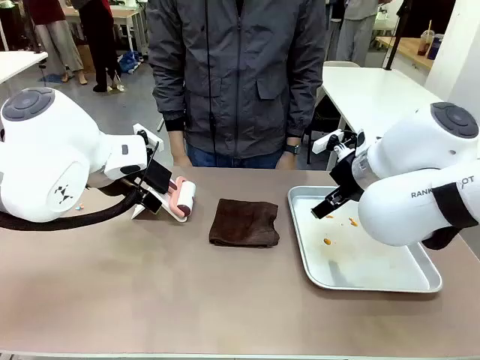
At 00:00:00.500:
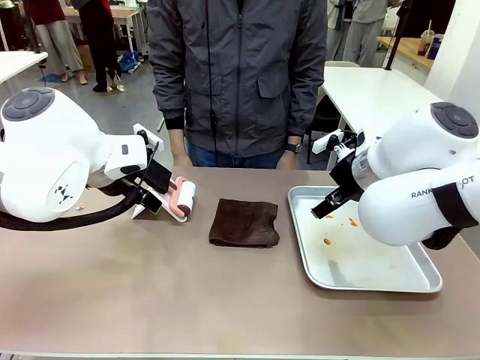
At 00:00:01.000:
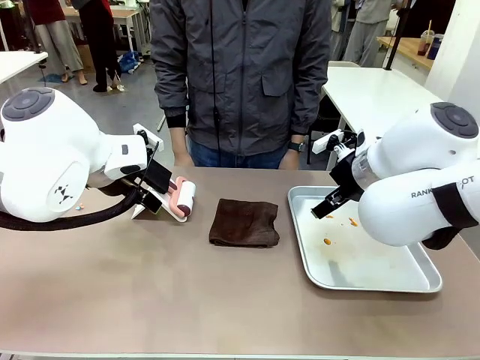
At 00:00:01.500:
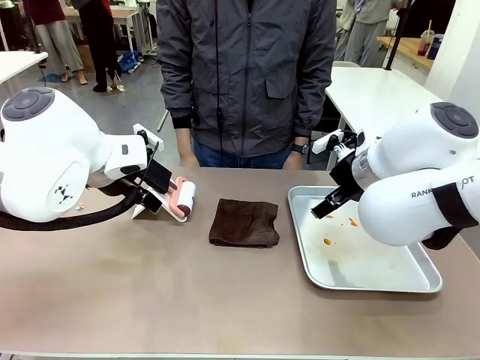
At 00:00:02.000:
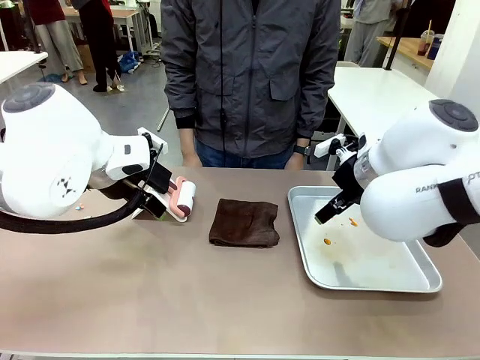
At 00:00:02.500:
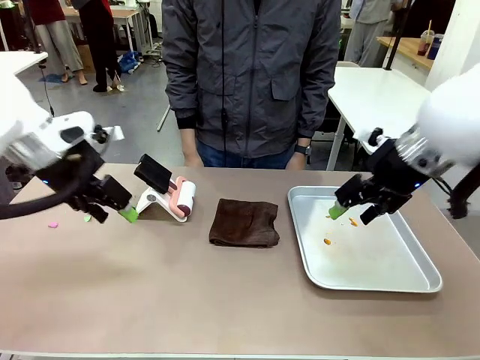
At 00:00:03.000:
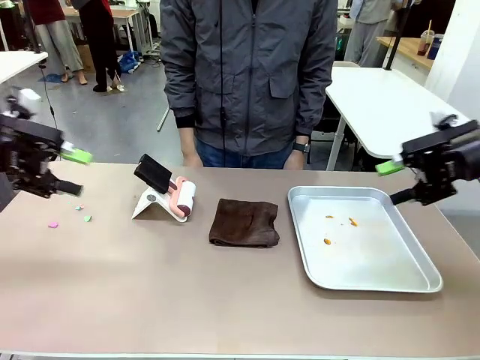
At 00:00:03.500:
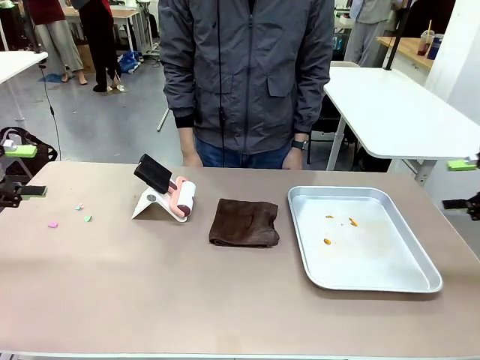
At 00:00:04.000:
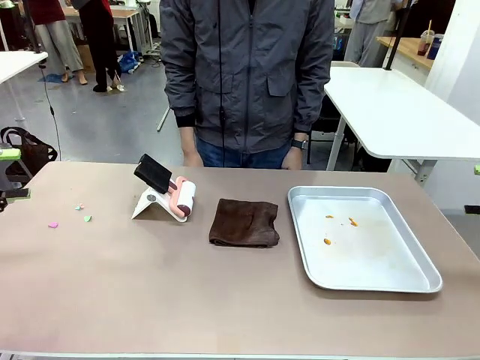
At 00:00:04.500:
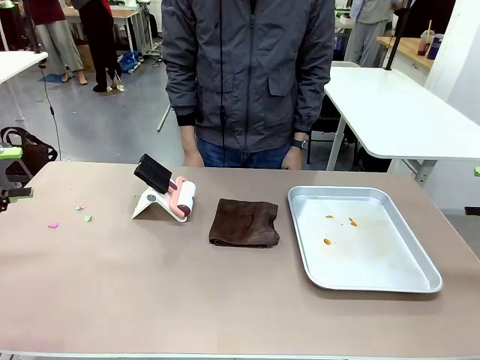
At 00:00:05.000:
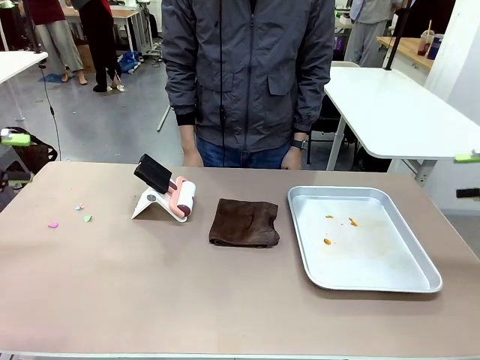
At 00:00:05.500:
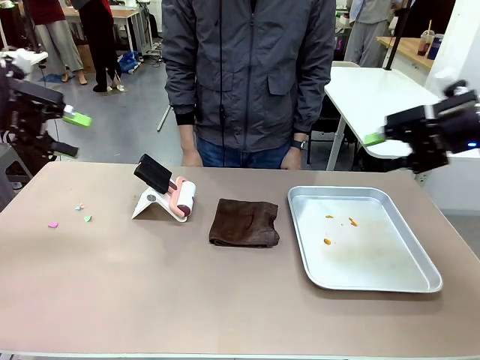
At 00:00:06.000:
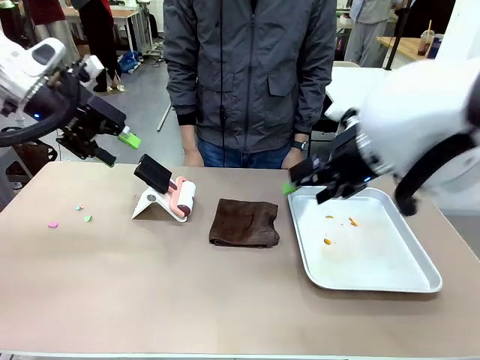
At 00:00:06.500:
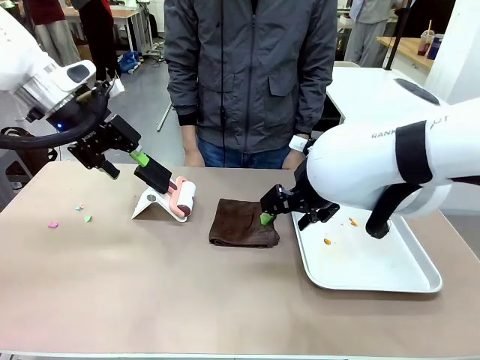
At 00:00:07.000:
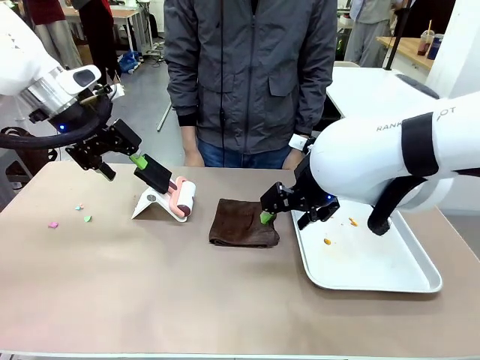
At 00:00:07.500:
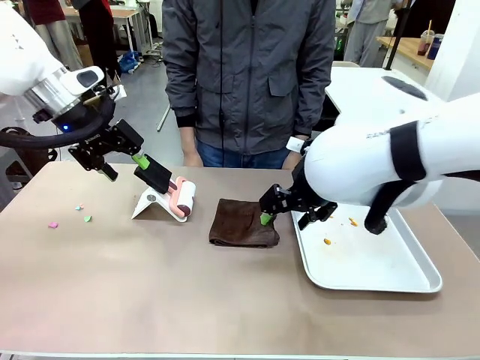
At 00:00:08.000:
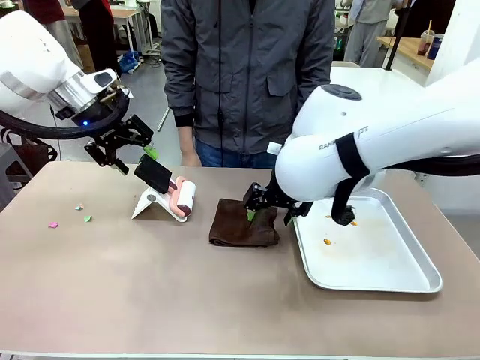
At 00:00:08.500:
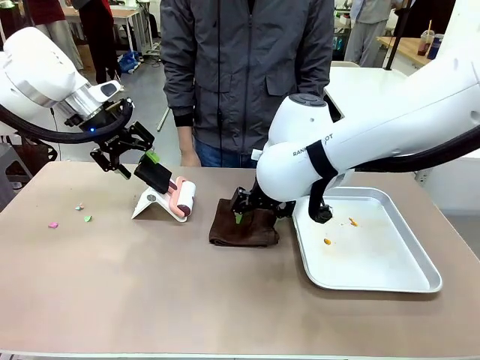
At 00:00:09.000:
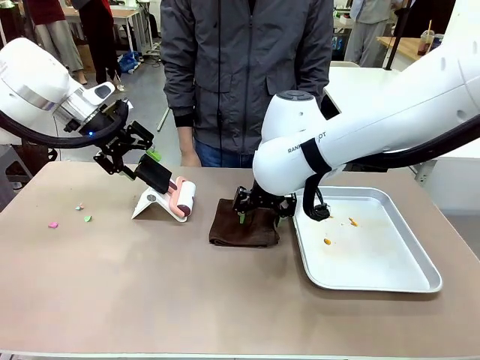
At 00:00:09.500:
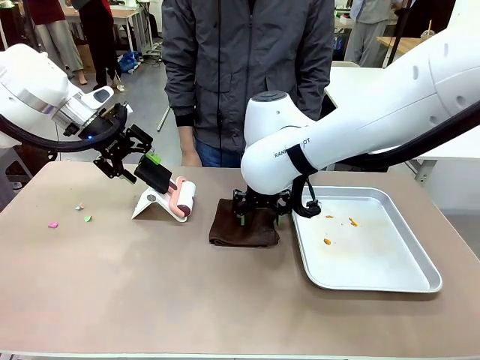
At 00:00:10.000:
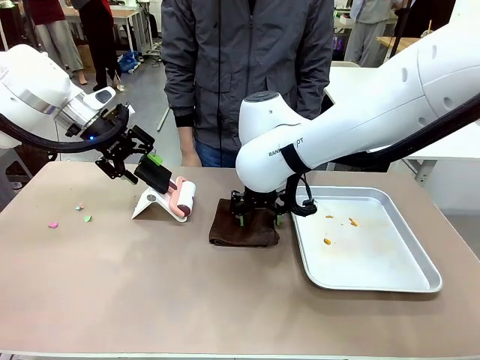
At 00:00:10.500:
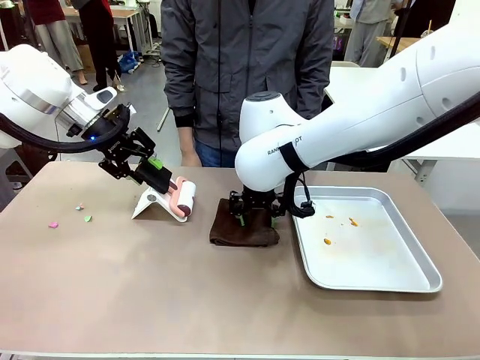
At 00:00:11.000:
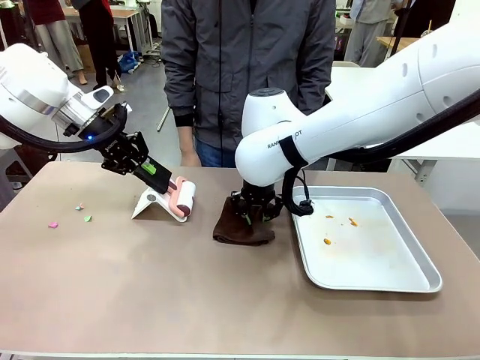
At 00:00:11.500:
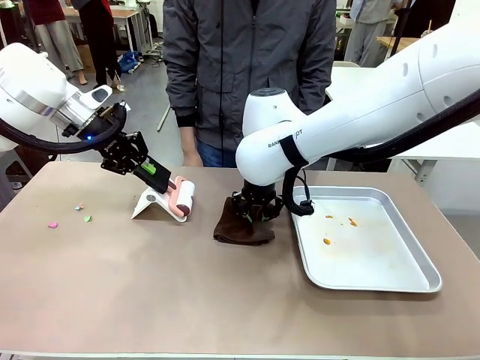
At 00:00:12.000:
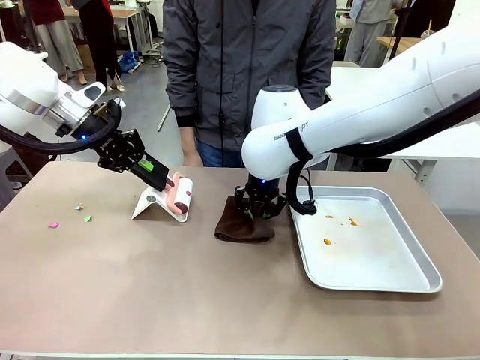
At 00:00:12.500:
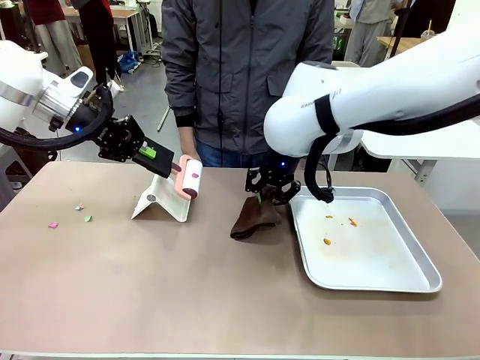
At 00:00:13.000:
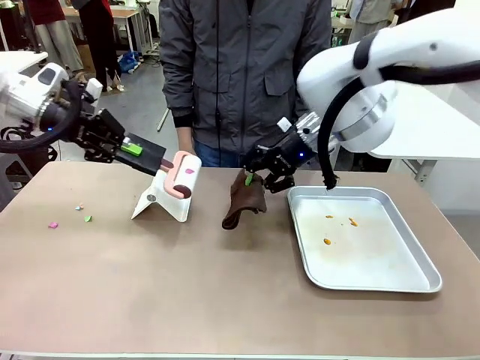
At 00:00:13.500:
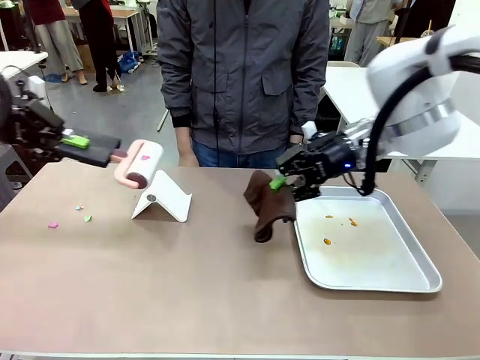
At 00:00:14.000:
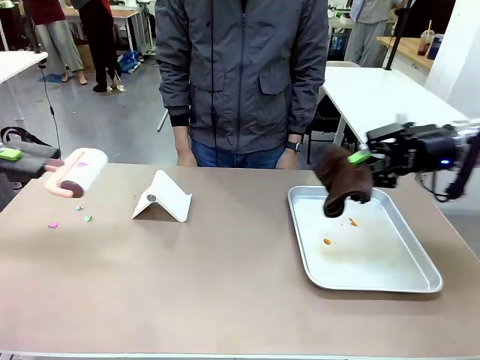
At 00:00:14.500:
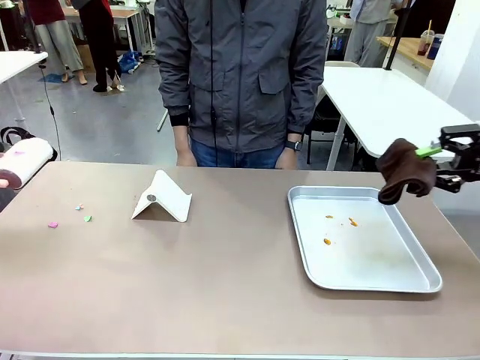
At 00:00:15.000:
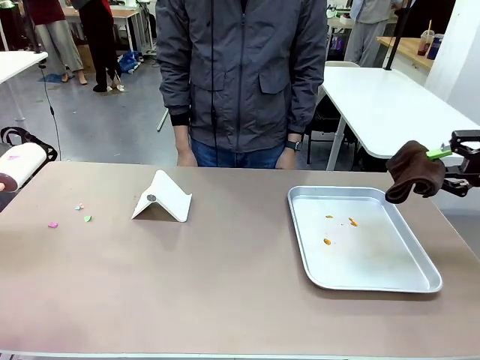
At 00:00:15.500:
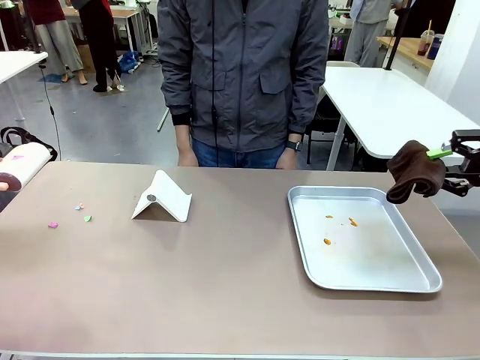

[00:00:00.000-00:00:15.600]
Task: Clean the surface of the table.
Robot: Hold the Lint Roller with your left hand and the towel with your right hand.

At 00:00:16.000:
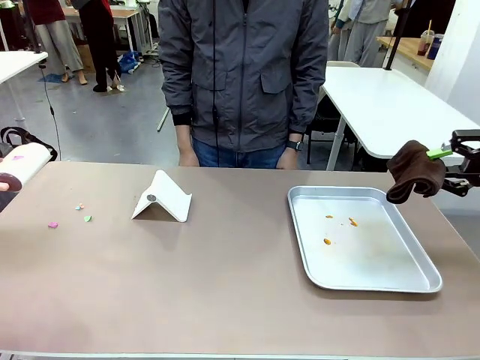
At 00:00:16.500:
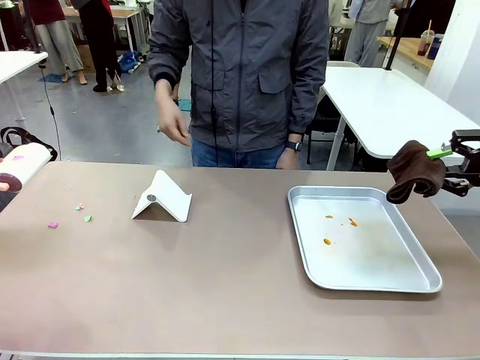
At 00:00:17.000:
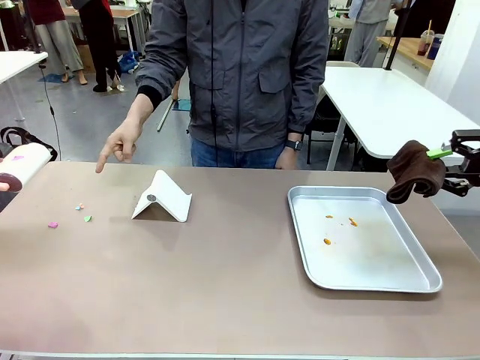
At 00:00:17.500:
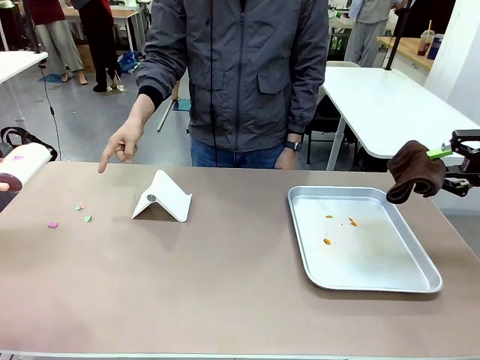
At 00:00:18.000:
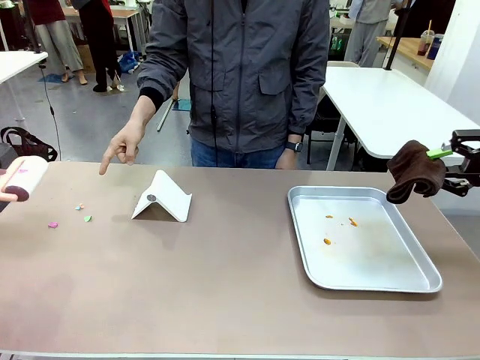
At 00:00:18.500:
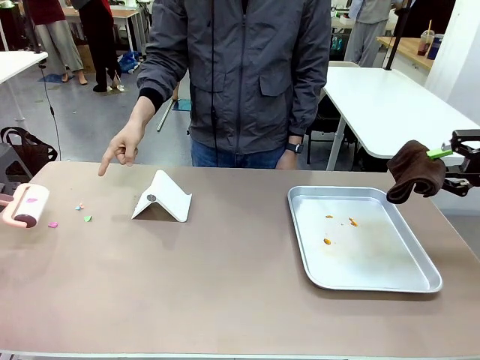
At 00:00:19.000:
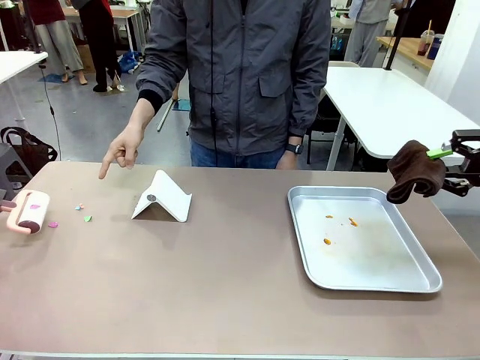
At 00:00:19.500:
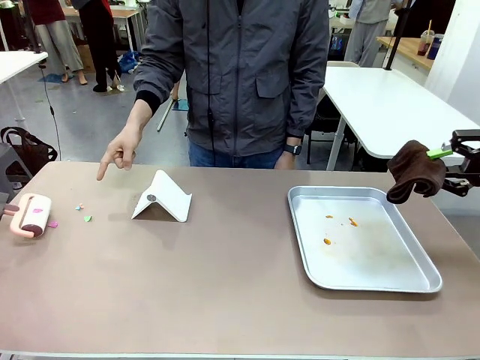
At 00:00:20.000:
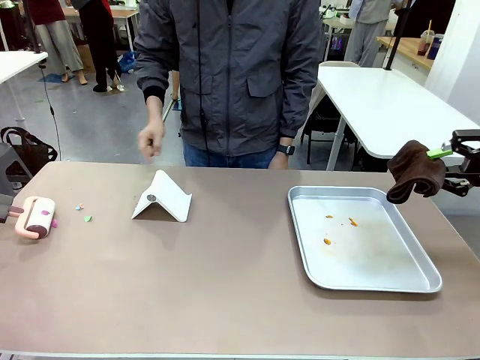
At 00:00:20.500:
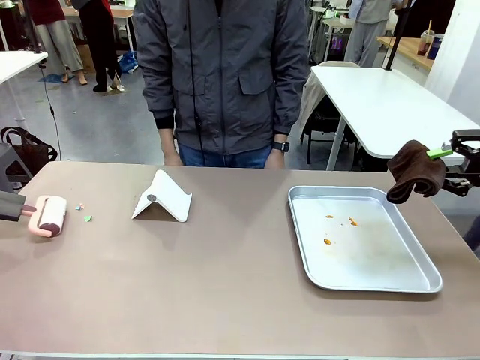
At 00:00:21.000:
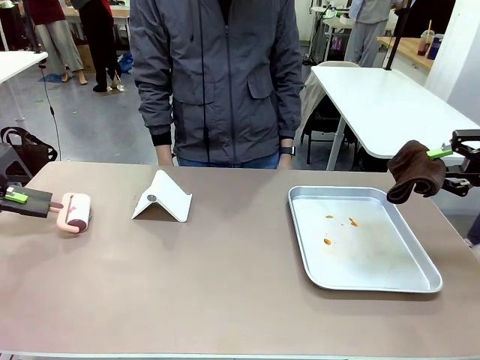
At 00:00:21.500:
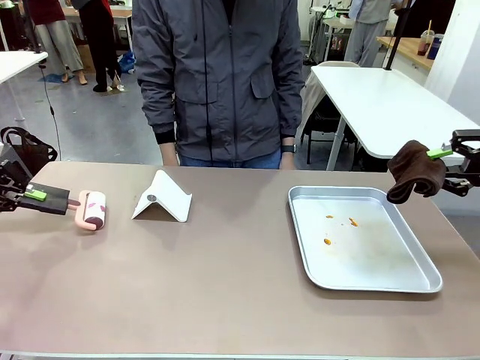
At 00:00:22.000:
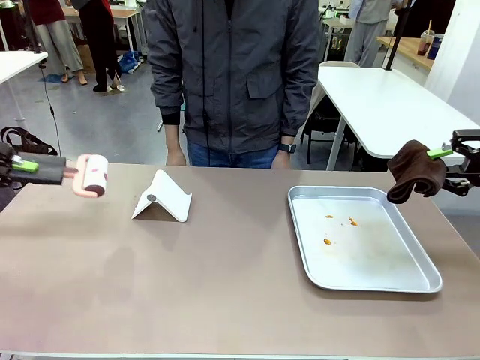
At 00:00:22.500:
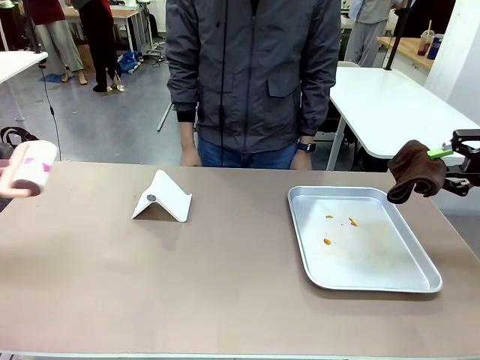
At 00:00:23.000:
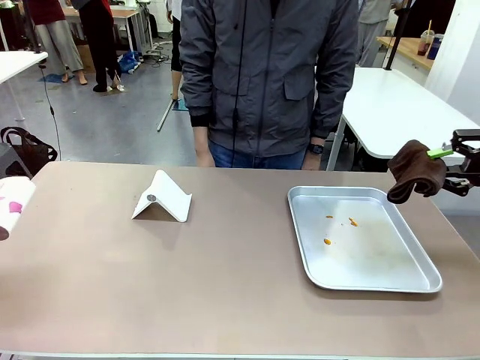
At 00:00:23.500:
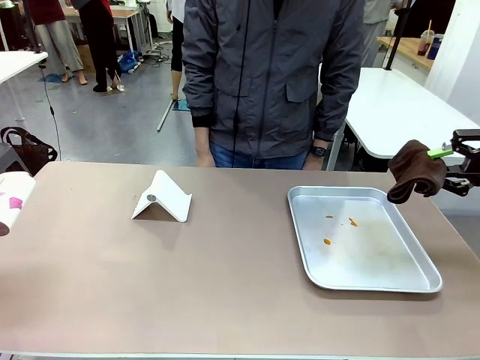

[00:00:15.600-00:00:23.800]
Robot: If a person points to the right, clean the right side of the table with your right hand, and if they point to the left, clean the left side with your left hand.
